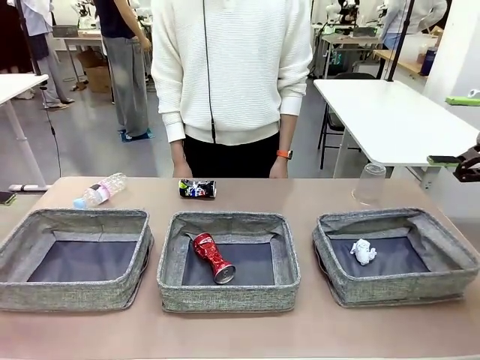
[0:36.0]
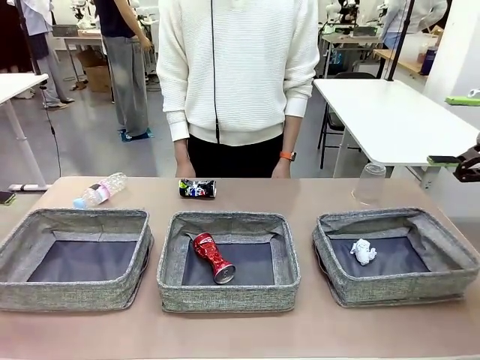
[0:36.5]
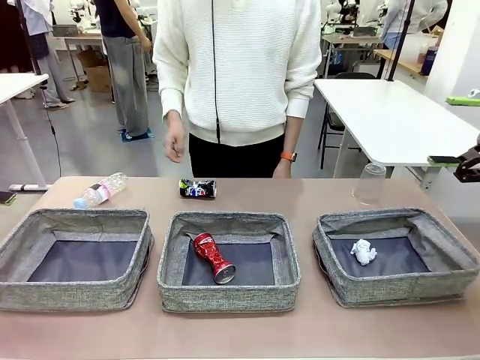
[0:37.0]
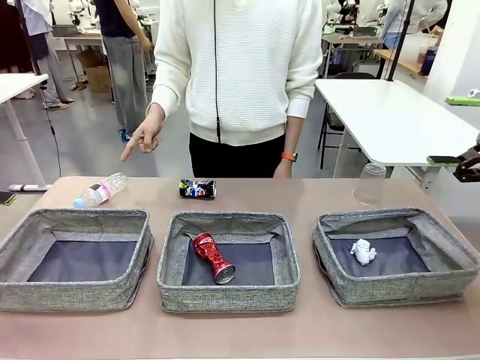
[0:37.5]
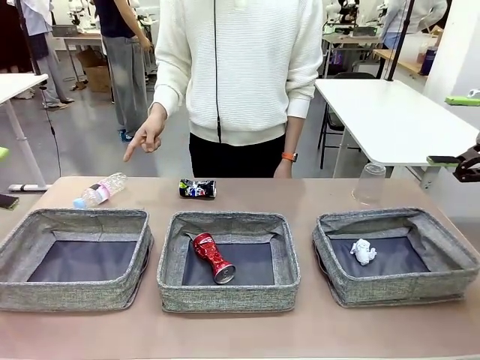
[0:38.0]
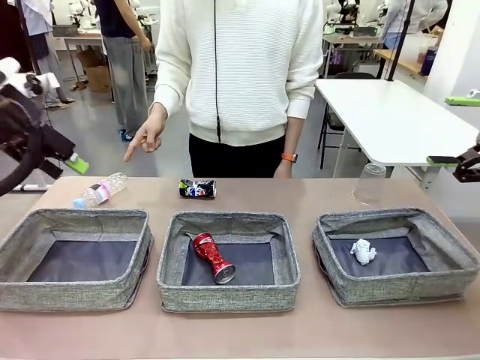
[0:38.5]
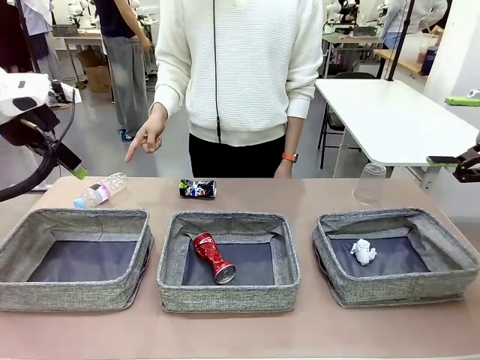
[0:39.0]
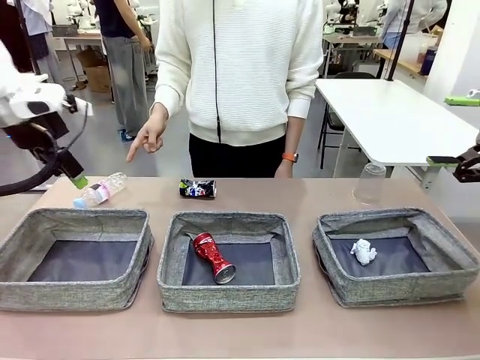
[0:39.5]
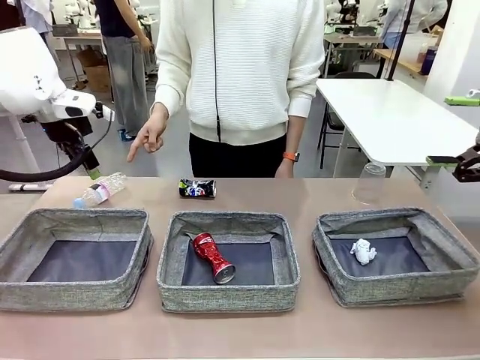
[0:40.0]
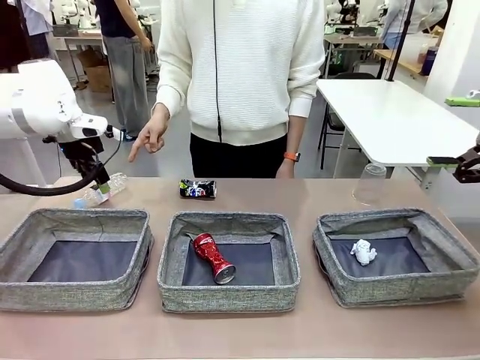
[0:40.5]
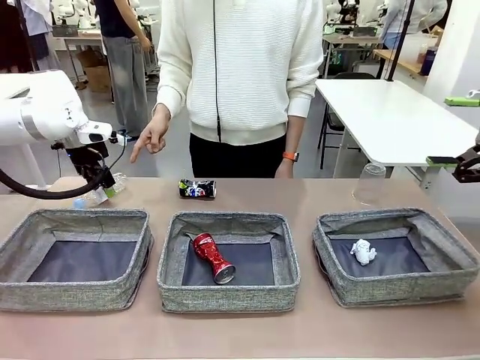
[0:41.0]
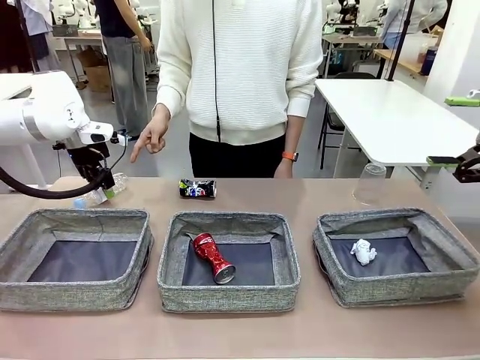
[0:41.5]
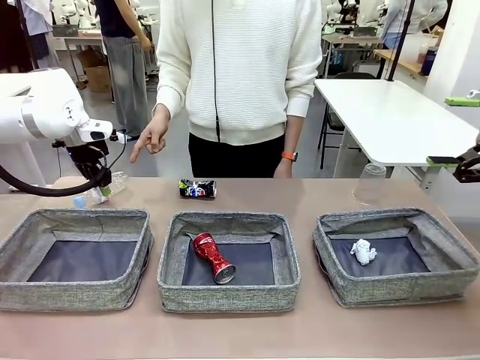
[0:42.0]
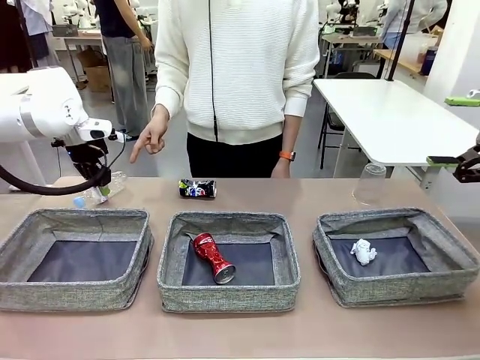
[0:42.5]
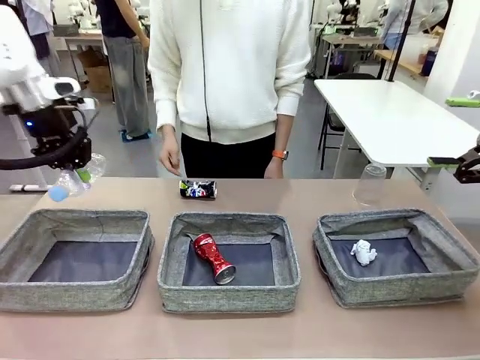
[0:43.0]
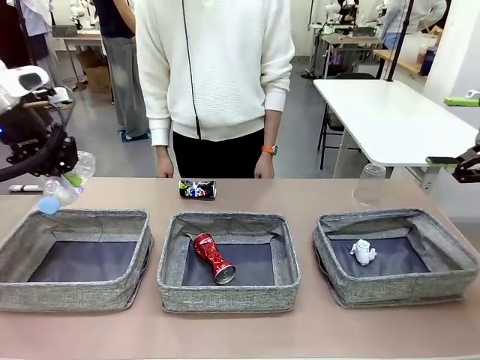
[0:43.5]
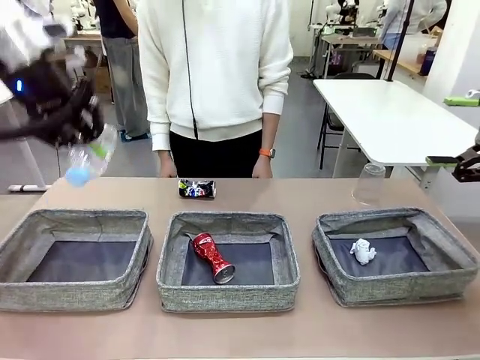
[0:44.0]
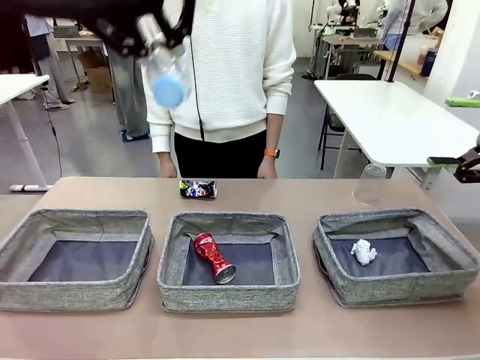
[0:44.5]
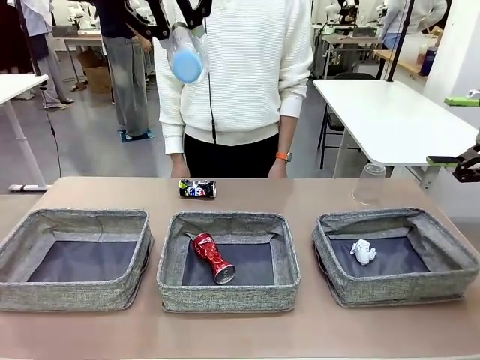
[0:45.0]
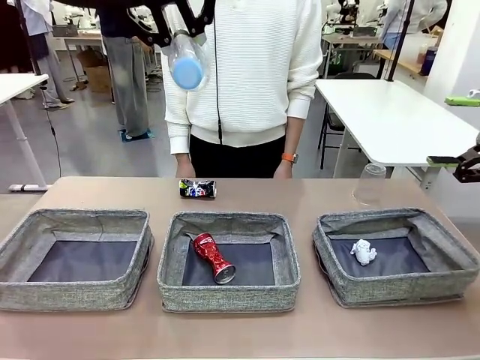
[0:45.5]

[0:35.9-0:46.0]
Task: Sort the waste into the appropriate baskets.
Robot: Pick up the waste item pointed out by the person.
Person: Points to one piece of trash on the table.

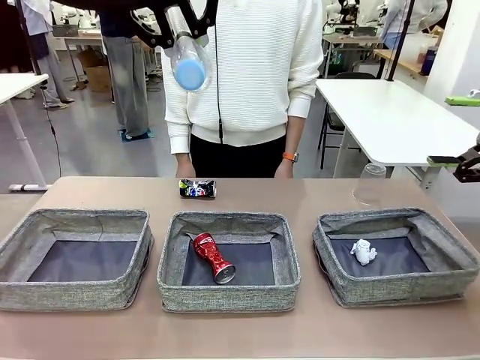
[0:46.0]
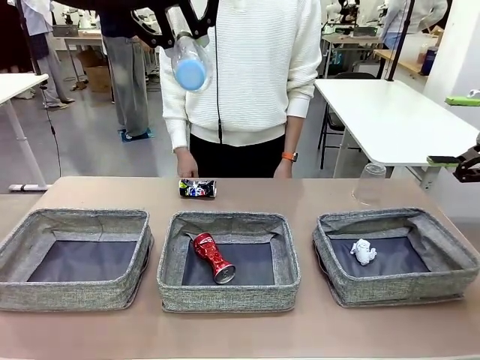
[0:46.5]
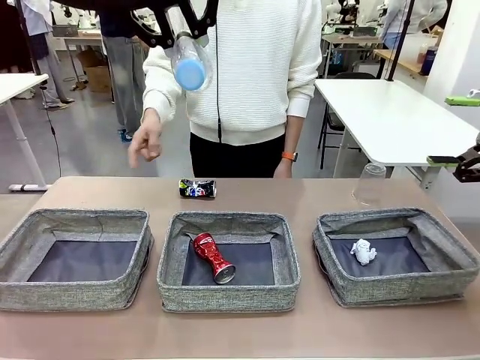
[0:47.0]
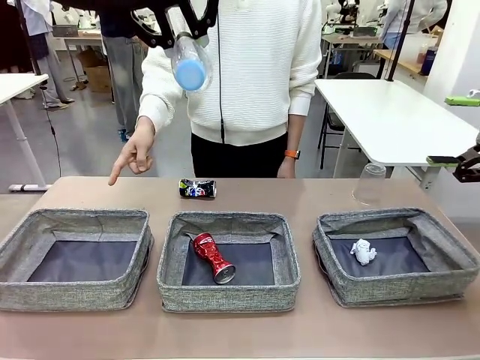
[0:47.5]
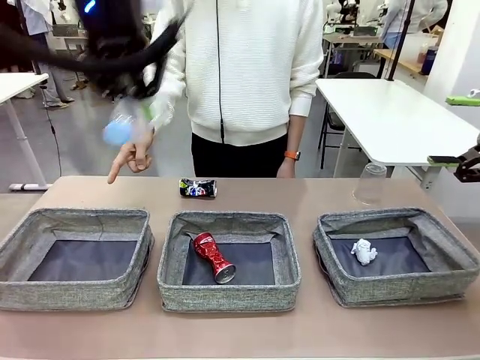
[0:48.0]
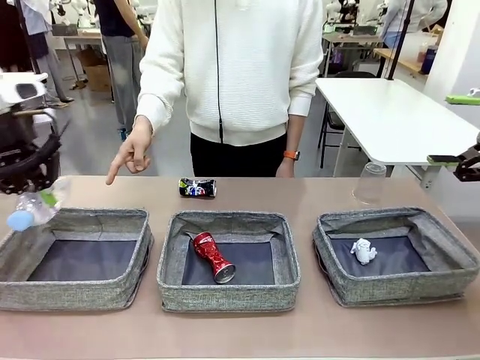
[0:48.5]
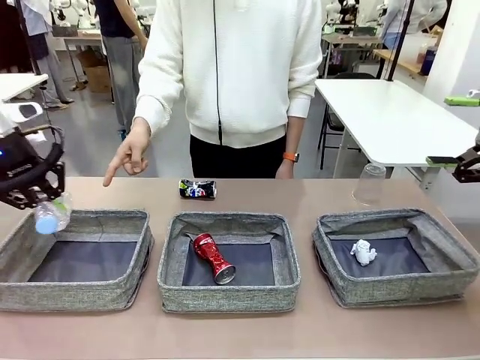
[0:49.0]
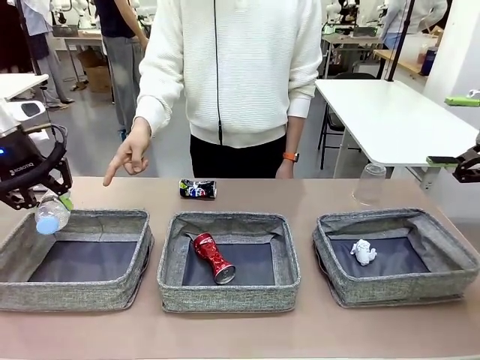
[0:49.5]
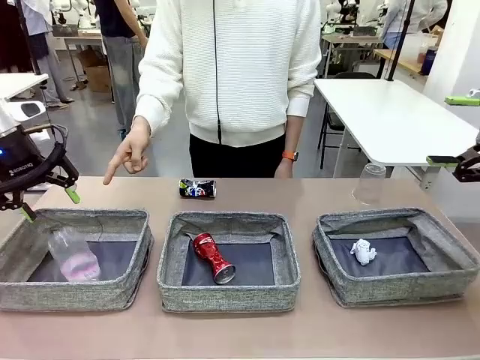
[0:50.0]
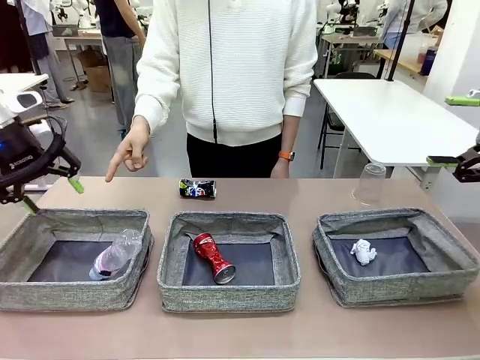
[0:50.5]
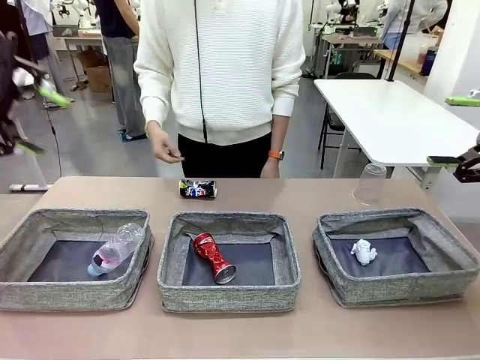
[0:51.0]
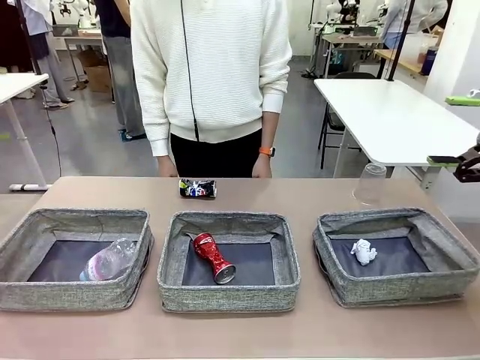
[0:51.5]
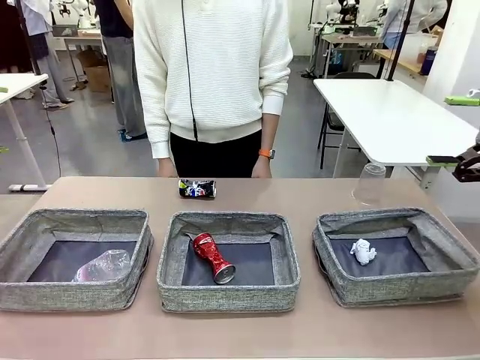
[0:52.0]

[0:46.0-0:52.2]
Robot: Place the picked waste into the Fabric basket indicated by the person.
Person: Instructs the robot to place the picked-up trash into the appropriate organizing basket.

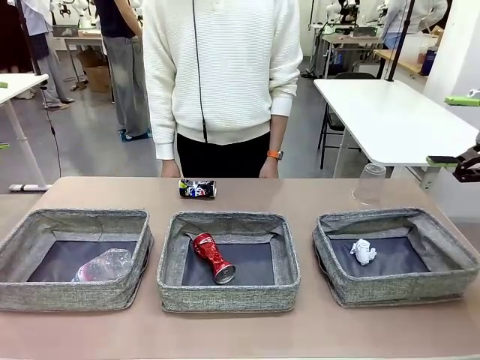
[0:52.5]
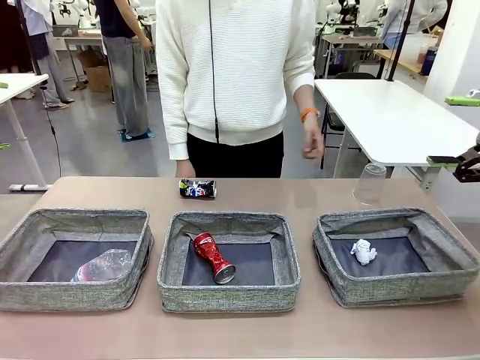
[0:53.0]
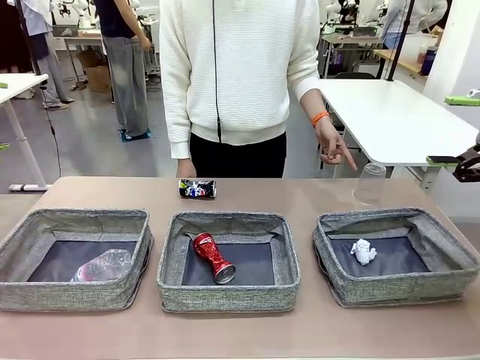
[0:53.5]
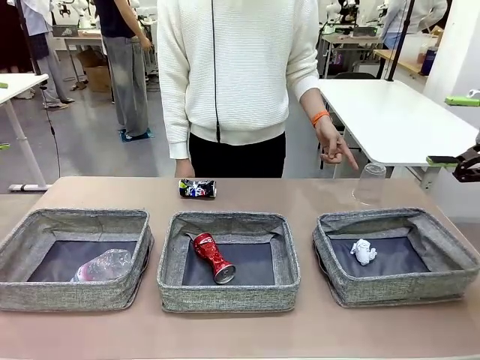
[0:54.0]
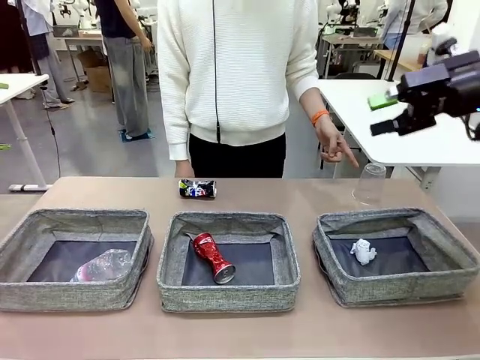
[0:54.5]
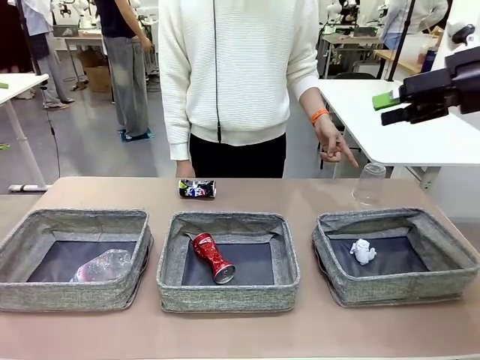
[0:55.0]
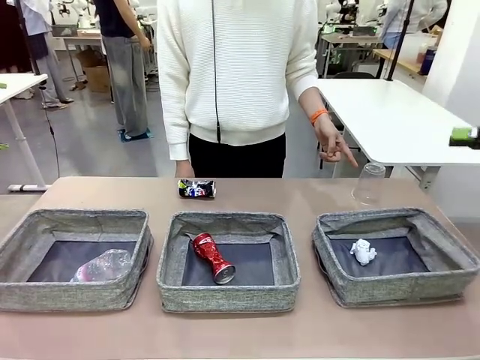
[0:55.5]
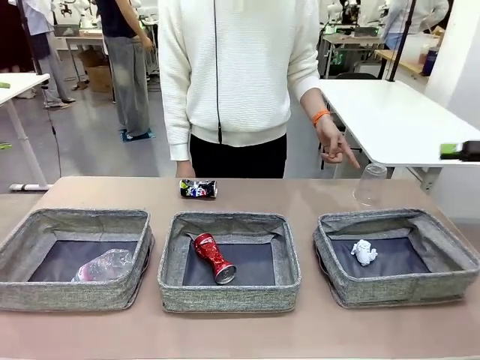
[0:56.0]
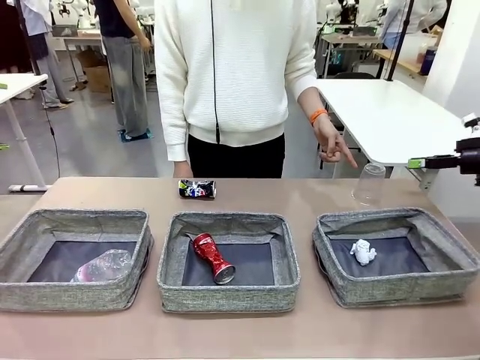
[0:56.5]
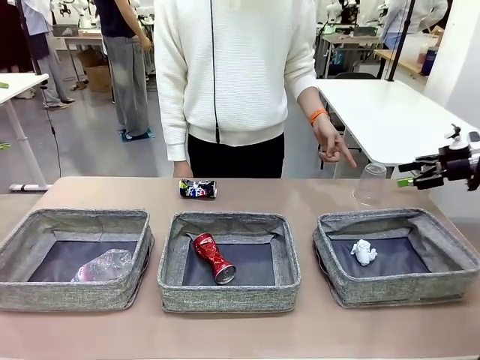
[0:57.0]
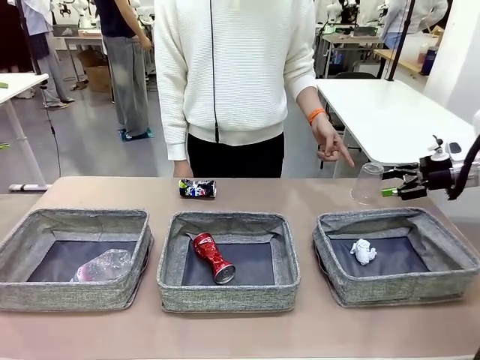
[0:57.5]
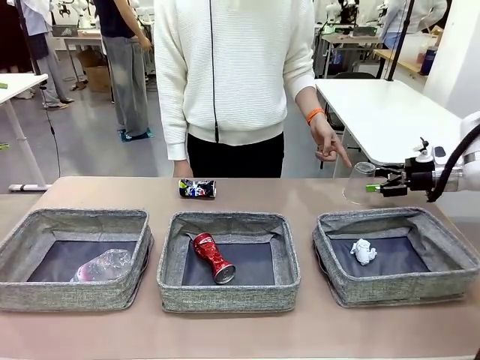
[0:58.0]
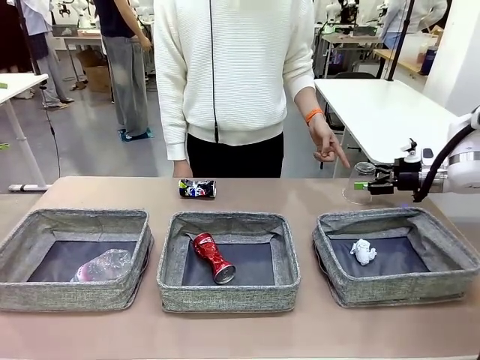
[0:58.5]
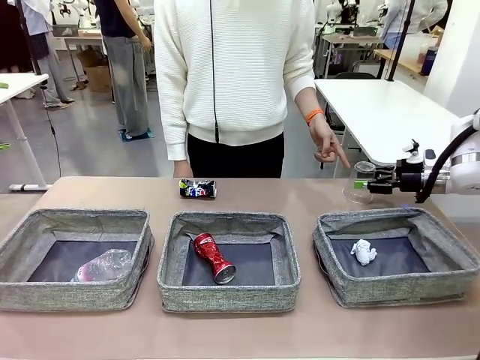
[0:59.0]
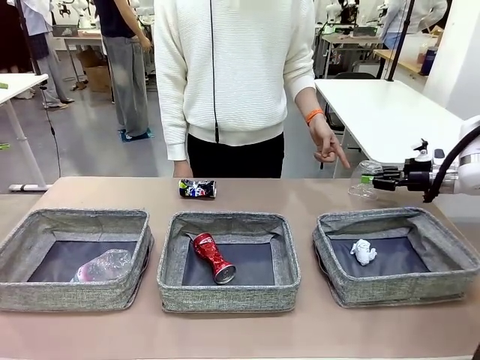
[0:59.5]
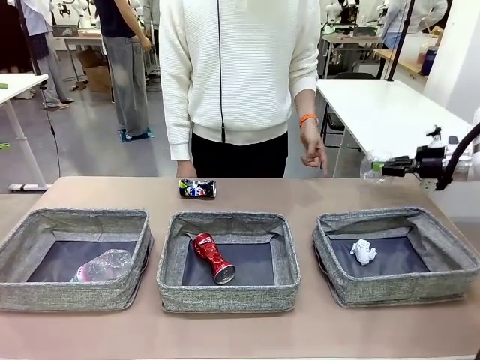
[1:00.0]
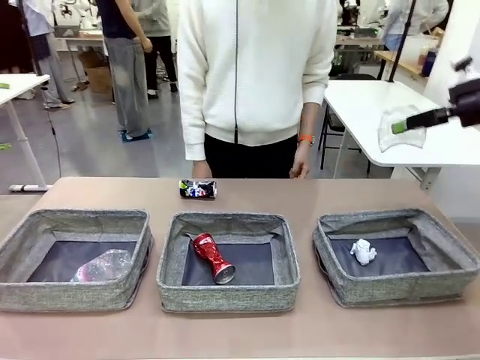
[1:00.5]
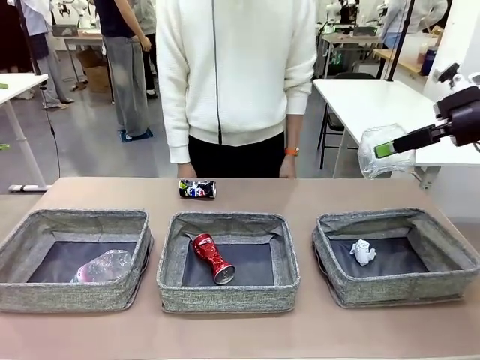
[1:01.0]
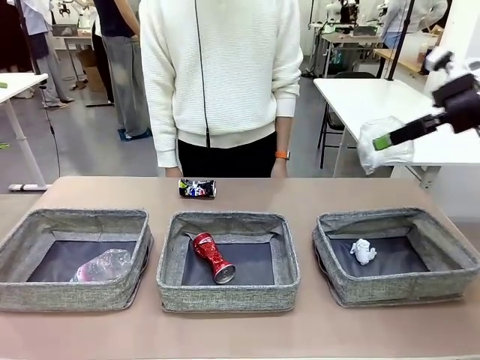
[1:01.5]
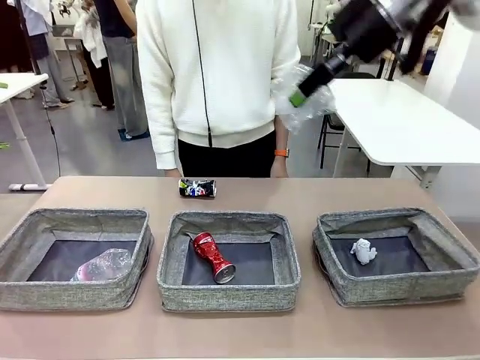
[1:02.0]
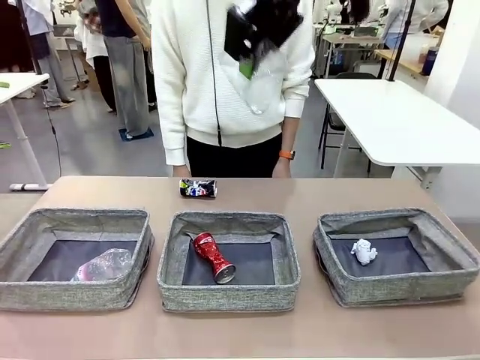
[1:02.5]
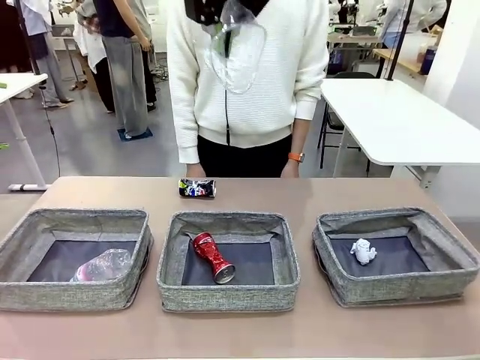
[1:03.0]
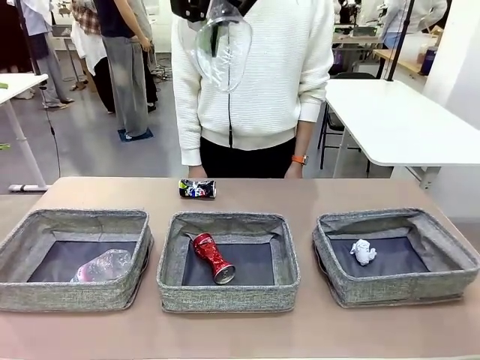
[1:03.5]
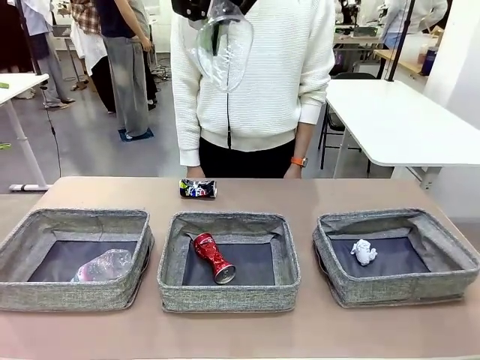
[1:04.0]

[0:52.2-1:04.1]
Robot: Pick up the waste item pointed out by the person.
Person: Points to one piece of trash on the table.
